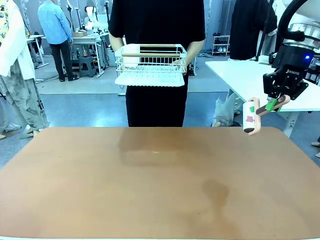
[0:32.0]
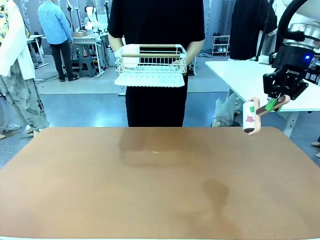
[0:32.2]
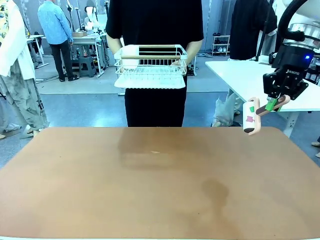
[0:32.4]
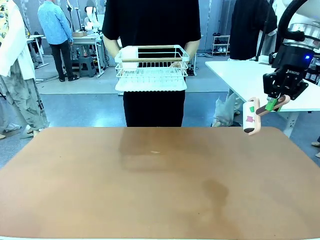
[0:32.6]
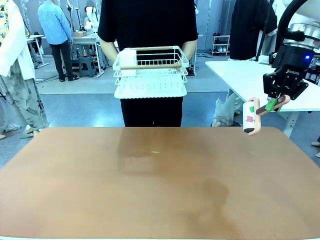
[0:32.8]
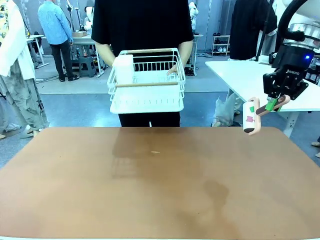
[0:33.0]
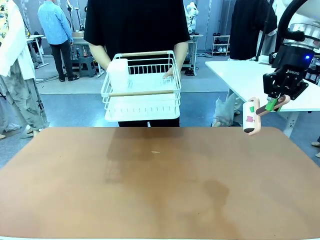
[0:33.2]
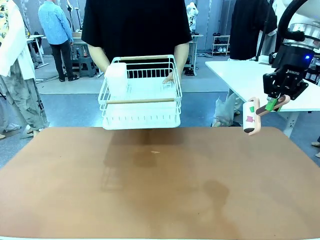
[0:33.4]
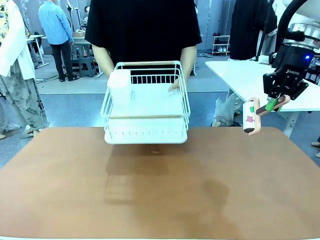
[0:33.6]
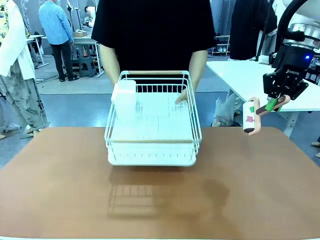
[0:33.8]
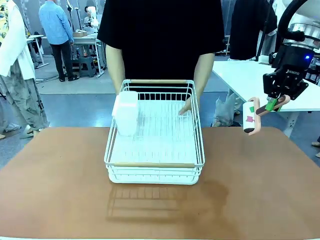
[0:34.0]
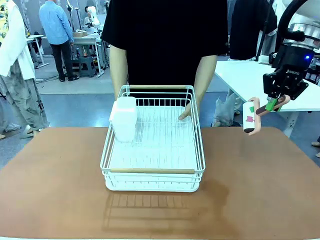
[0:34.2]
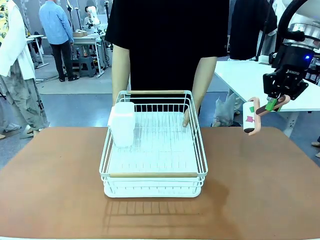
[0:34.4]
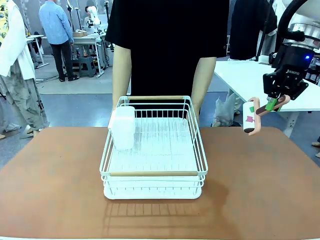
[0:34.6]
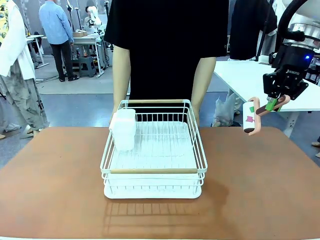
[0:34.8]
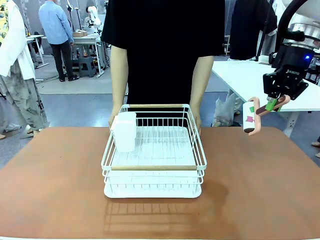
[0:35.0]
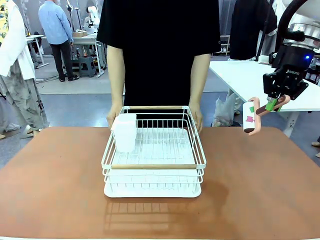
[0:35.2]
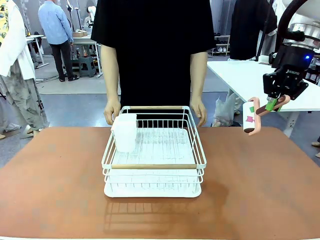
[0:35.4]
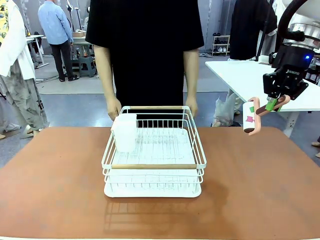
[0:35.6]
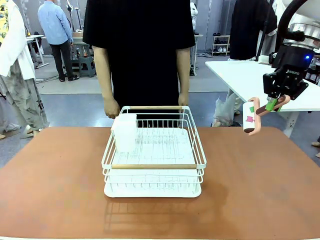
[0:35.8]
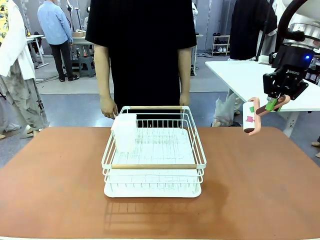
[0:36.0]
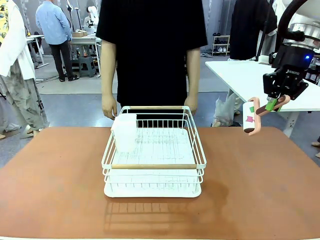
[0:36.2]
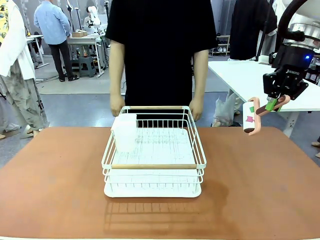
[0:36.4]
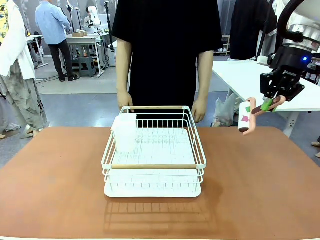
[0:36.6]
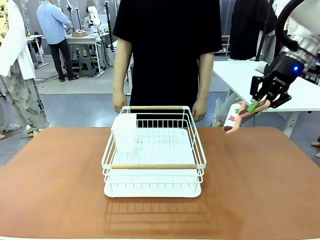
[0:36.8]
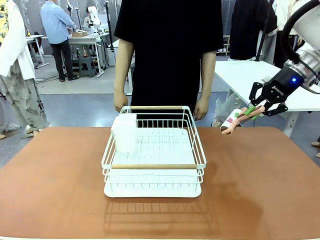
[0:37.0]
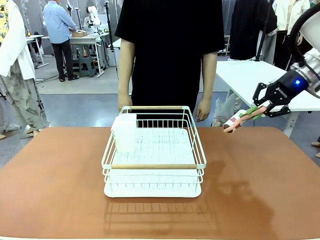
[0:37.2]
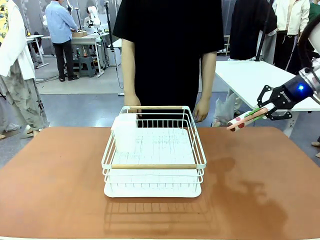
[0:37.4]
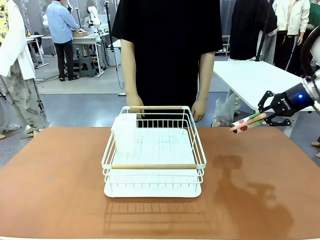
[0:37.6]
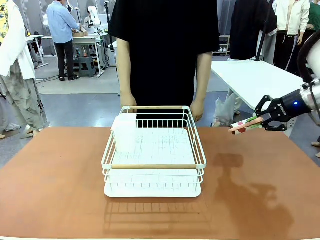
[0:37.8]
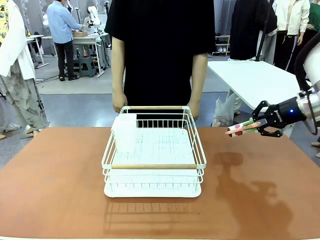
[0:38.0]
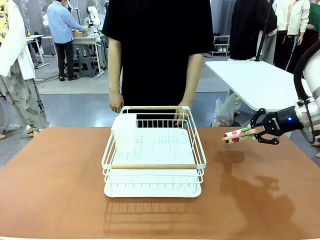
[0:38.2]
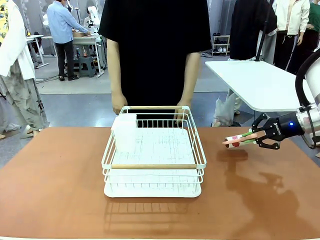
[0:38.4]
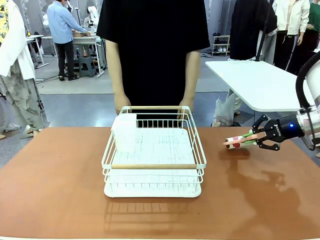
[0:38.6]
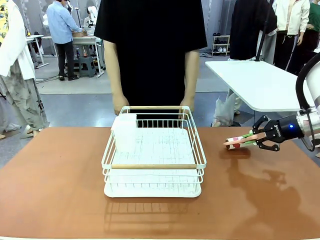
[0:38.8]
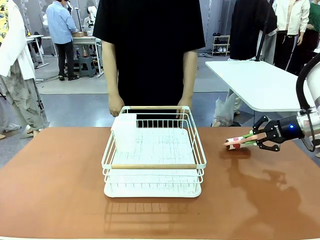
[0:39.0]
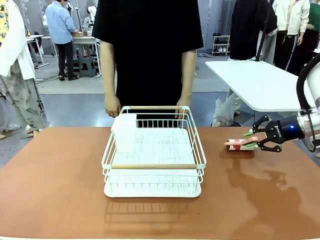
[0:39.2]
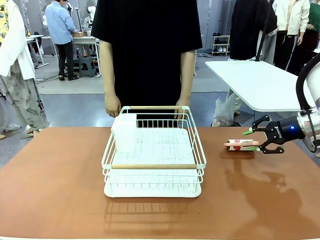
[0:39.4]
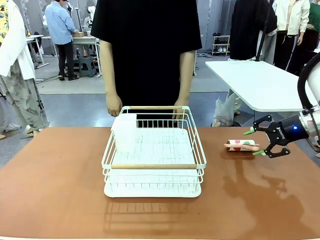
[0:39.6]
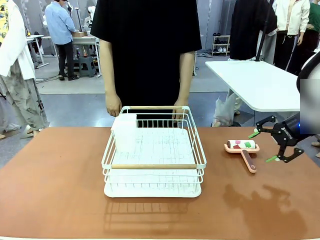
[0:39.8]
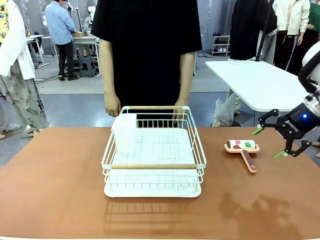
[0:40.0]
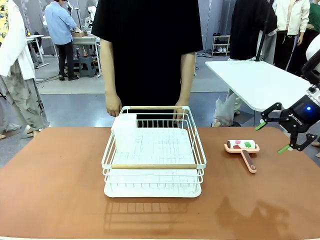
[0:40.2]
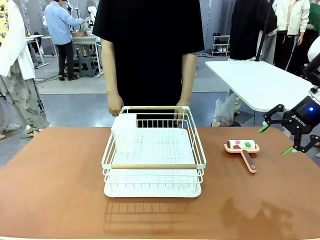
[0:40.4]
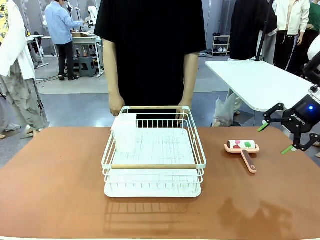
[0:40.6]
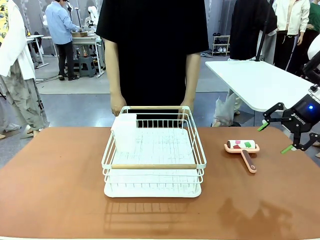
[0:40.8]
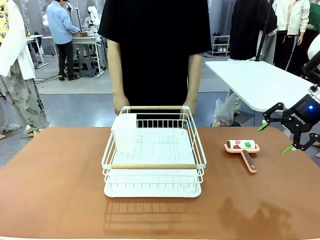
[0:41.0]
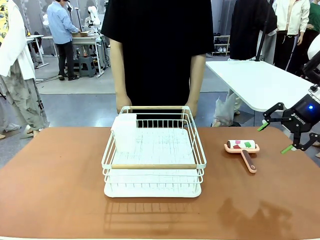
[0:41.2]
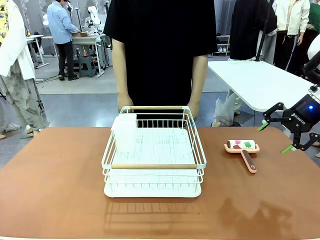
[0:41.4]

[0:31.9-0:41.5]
Task: Clean the table.
Robot: Place the Lint Roller down when the Dish drying rack is positioned in the middle of the table.

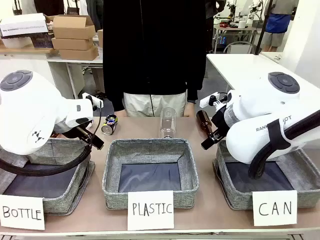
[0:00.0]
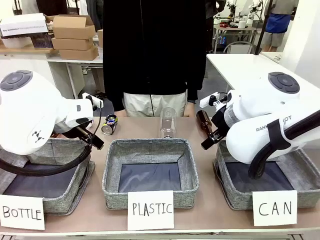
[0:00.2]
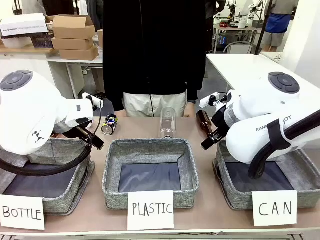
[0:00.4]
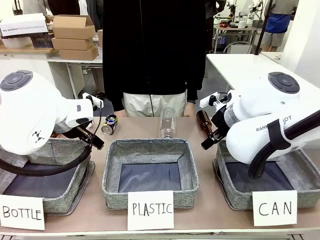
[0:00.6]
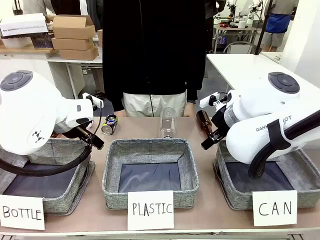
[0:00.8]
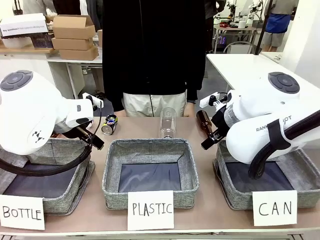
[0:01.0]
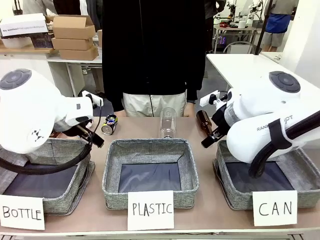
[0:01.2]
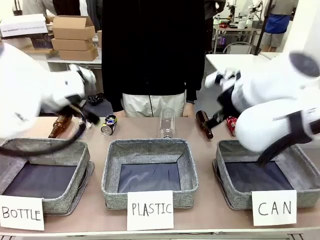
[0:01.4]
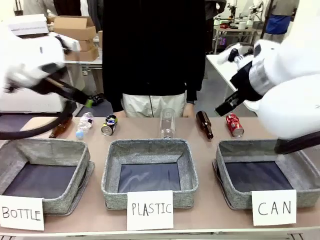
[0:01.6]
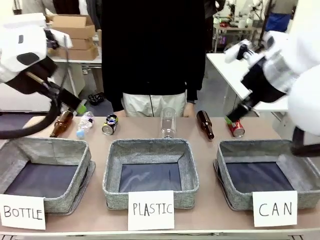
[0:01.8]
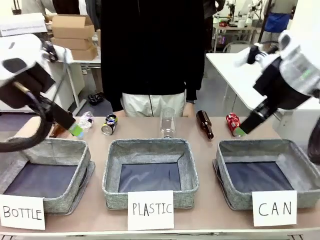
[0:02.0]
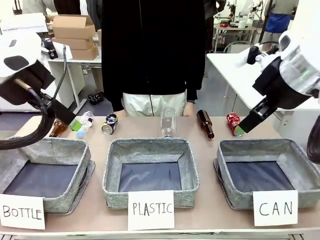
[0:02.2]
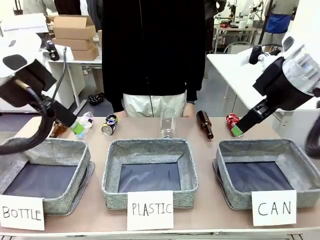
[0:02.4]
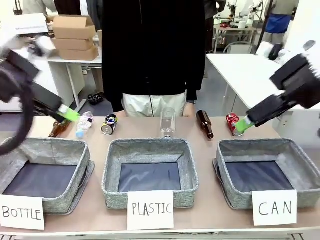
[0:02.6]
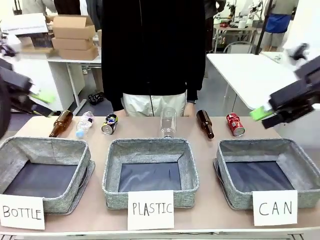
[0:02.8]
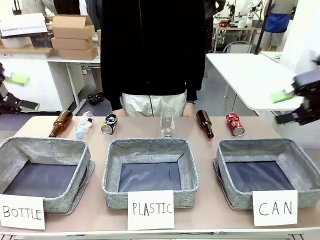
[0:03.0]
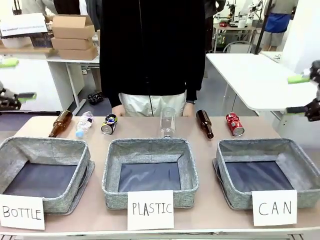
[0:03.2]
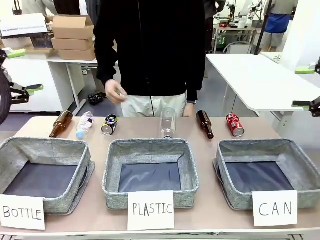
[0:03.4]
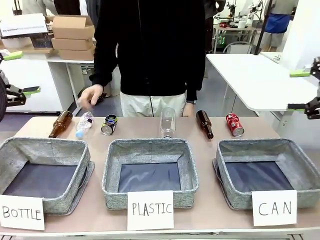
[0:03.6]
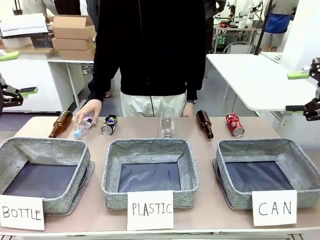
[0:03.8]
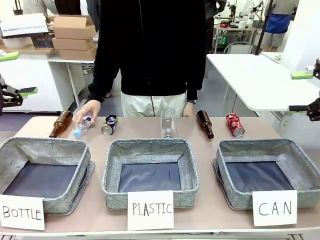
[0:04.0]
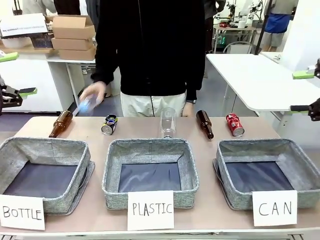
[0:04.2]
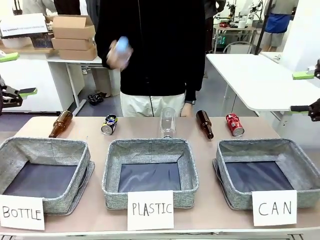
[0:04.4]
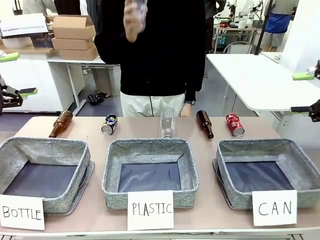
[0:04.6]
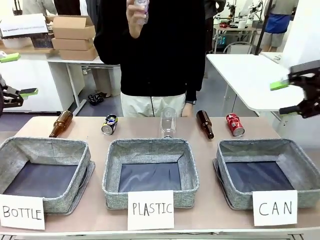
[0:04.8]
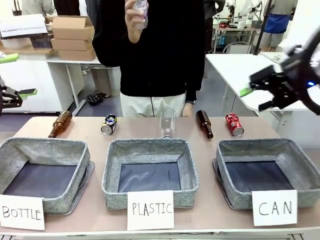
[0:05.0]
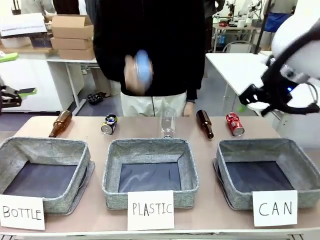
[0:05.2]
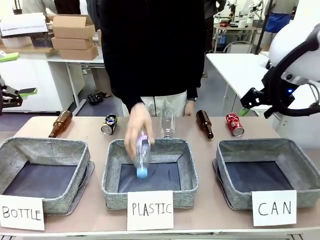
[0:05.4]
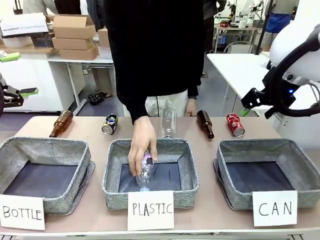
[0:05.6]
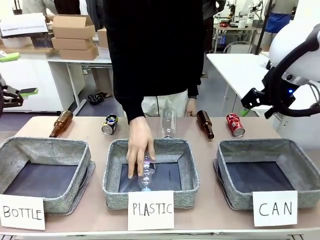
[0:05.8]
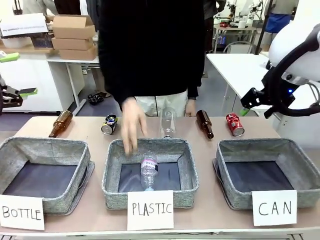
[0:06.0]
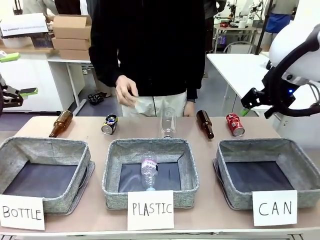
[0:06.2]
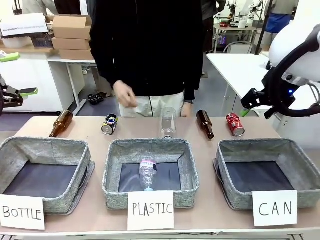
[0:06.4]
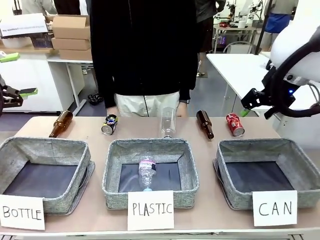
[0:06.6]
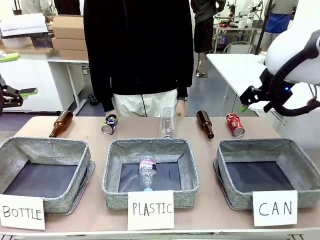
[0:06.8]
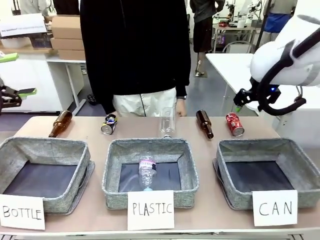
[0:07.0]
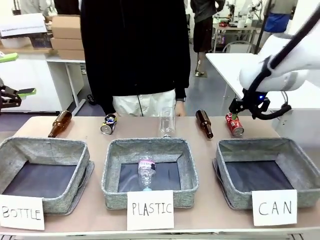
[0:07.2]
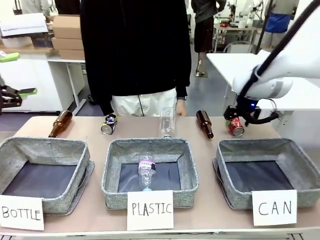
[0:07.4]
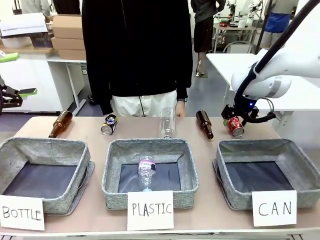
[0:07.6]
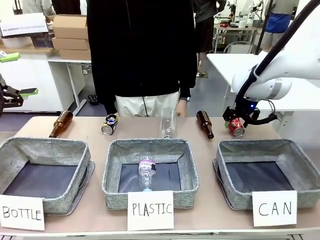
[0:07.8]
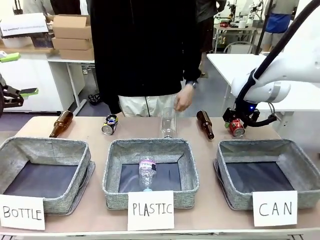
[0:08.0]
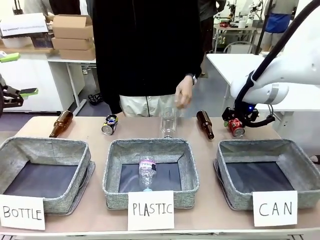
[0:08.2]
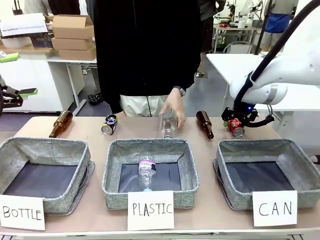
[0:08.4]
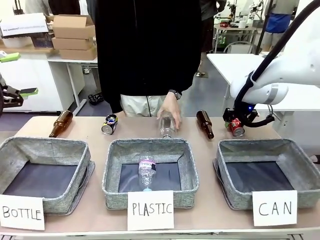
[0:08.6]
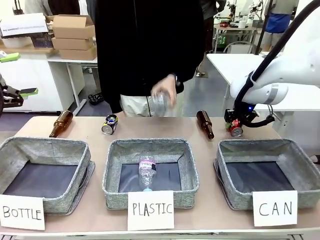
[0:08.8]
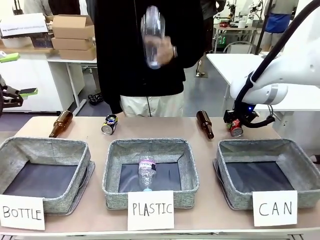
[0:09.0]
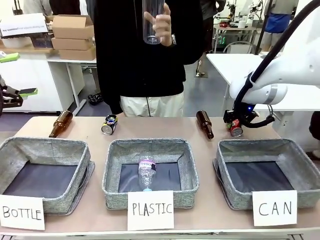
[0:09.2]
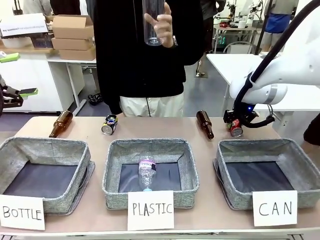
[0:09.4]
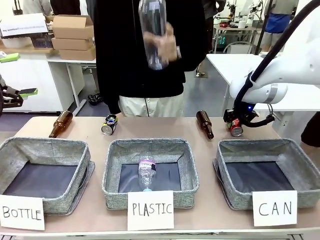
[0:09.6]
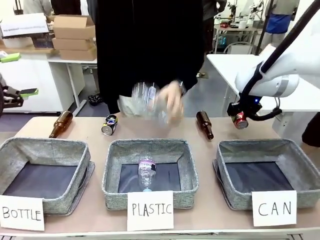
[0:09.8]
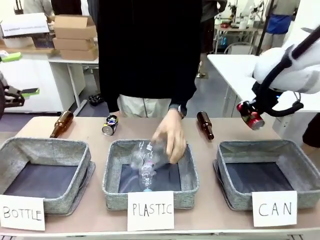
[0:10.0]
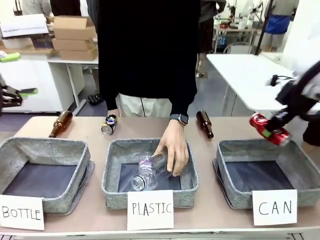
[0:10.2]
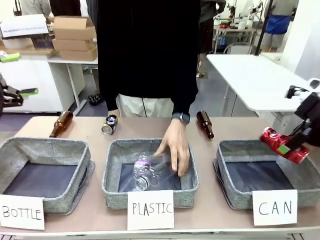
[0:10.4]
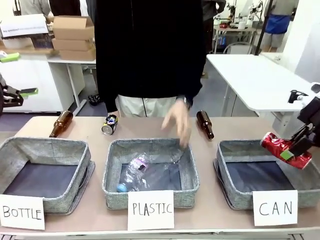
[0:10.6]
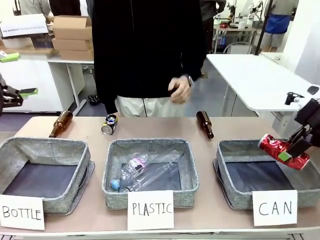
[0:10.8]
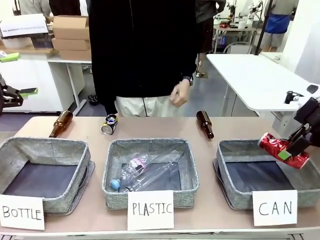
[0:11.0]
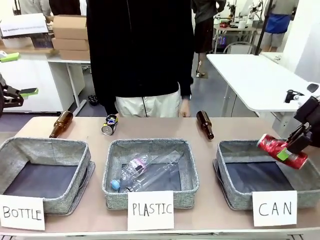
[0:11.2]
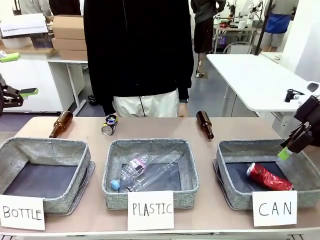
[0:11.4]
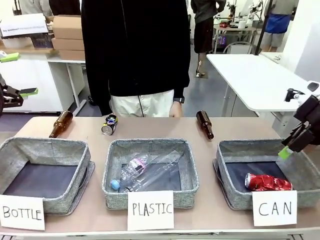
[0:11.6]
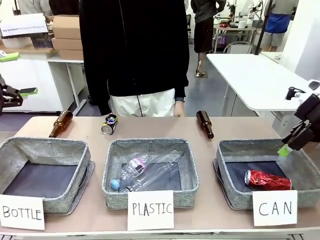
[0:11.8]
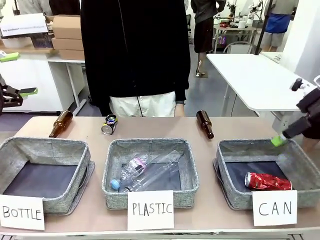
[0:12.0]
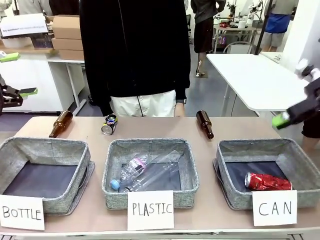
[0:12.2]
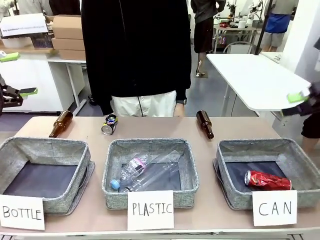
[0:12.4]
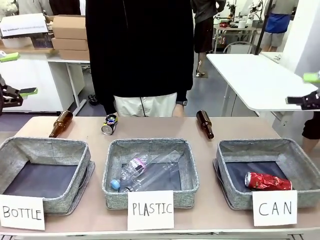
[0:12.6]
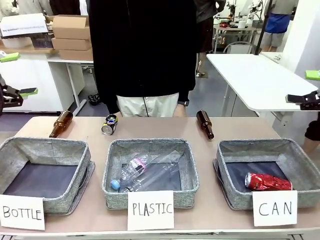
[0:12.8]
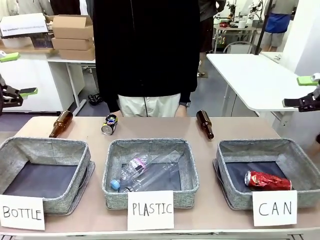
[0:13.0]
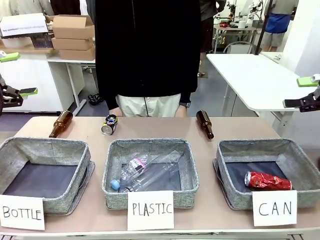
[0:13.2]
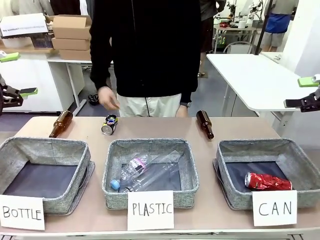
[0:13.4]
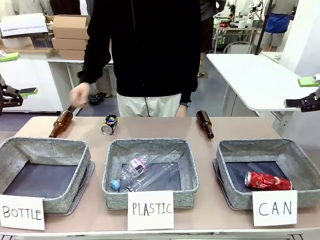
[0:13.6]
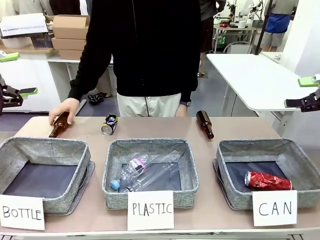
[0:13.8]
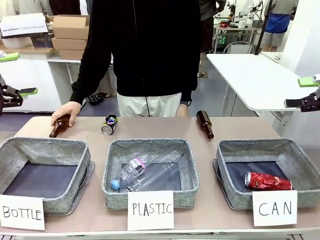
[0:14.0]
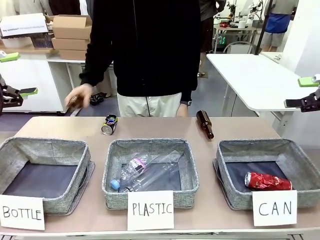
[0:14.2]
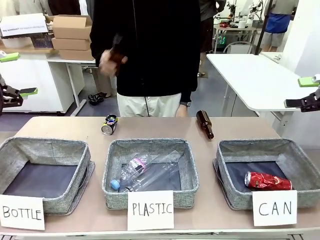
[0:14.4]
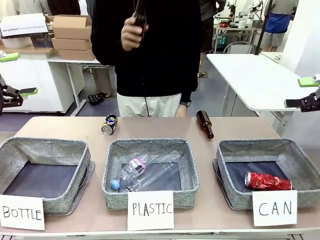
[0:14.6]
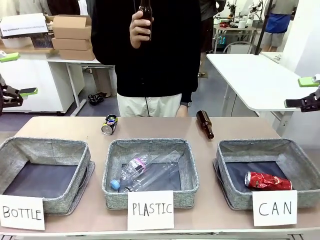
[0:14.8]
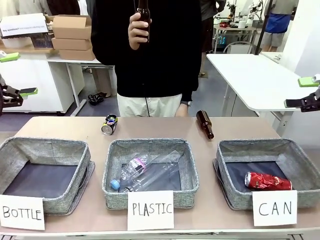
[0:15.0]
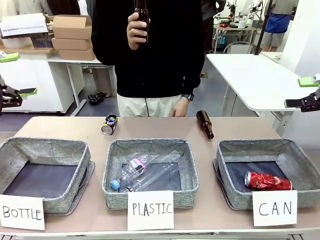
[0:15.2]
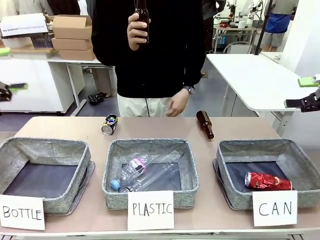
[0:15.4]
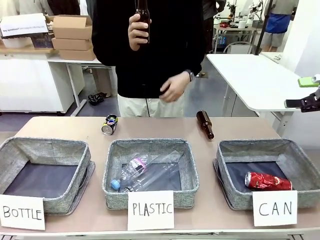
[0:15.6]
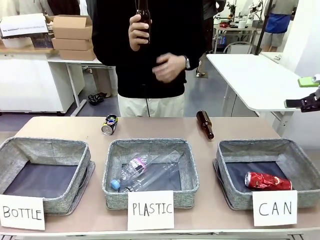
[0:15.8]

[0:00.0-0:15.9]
Task: Sort the can waste into the basket.
Robot: Pick up the can waste from the table and place it in the right Fabric basket.
